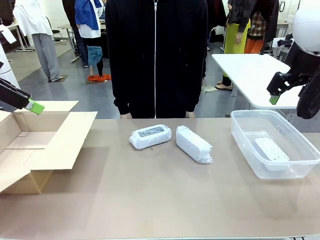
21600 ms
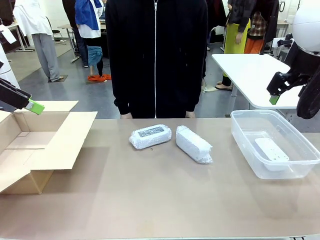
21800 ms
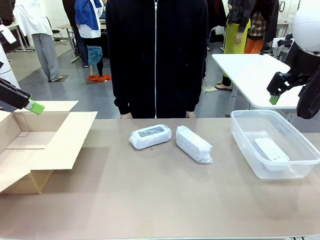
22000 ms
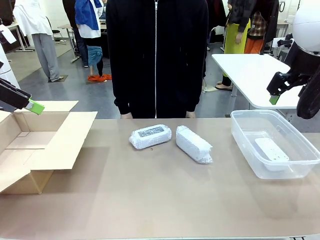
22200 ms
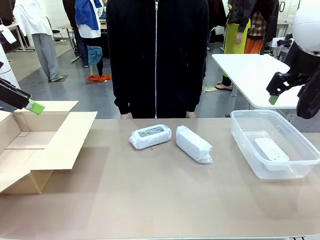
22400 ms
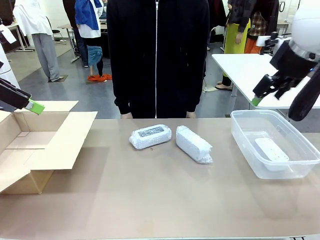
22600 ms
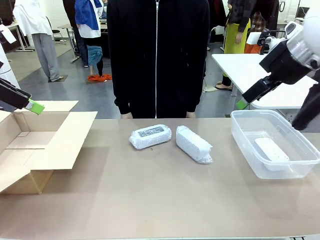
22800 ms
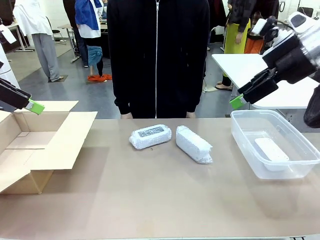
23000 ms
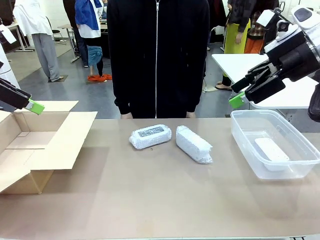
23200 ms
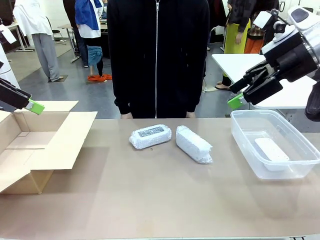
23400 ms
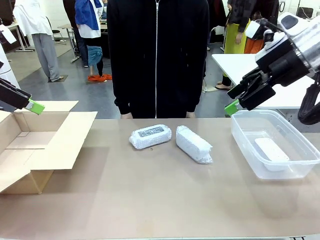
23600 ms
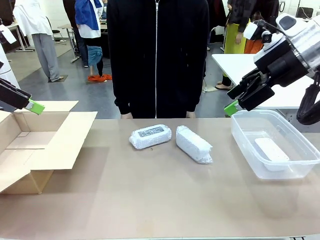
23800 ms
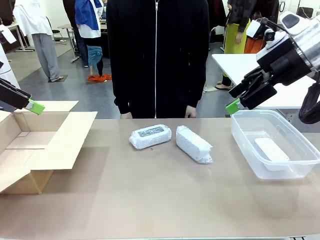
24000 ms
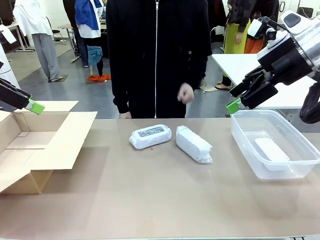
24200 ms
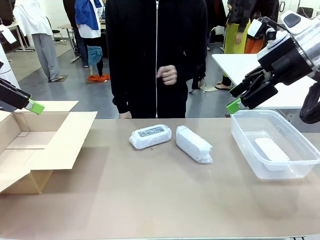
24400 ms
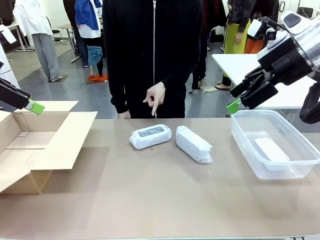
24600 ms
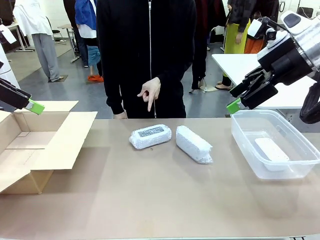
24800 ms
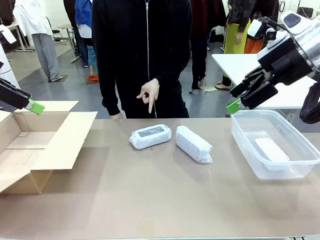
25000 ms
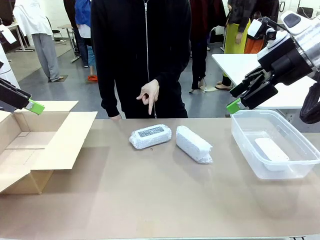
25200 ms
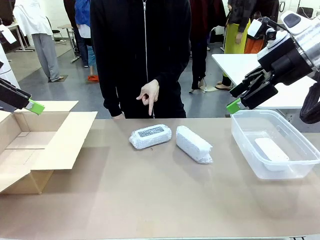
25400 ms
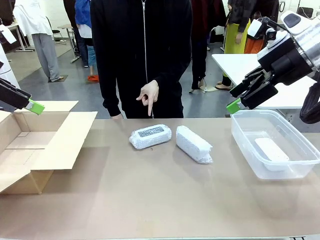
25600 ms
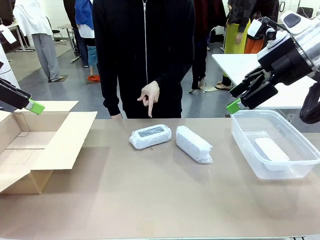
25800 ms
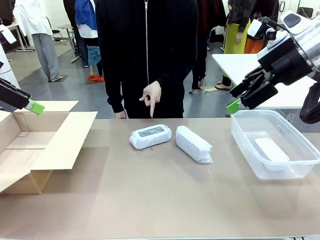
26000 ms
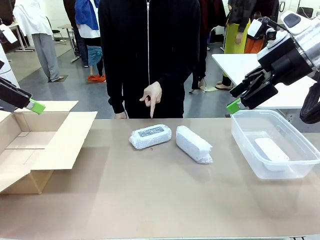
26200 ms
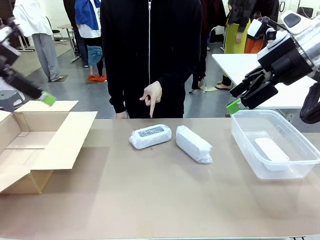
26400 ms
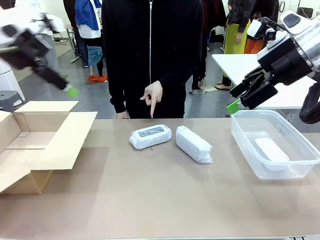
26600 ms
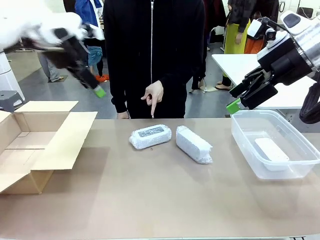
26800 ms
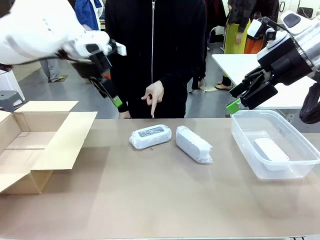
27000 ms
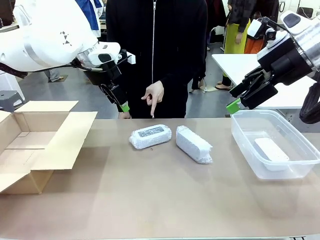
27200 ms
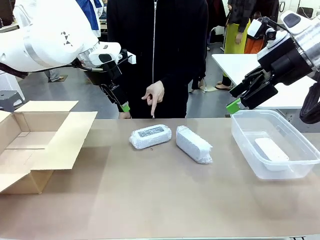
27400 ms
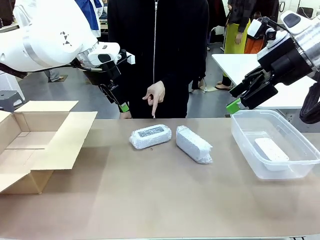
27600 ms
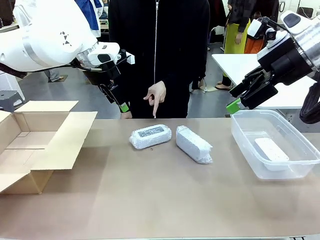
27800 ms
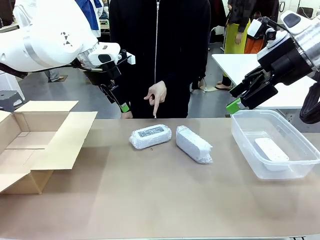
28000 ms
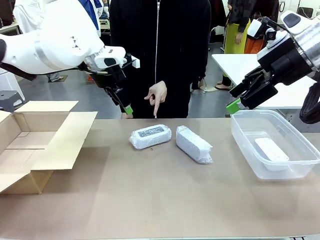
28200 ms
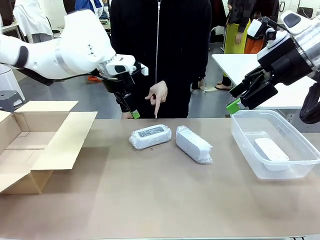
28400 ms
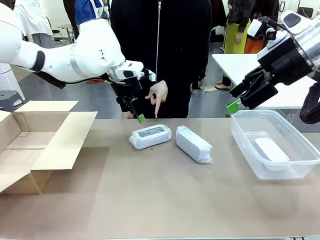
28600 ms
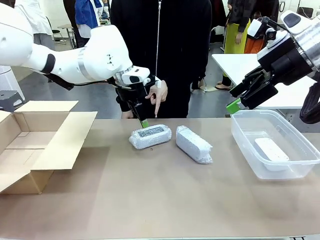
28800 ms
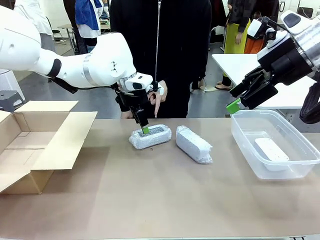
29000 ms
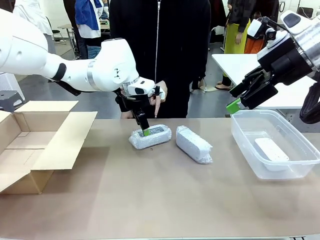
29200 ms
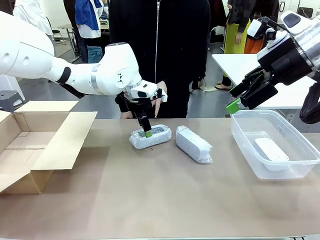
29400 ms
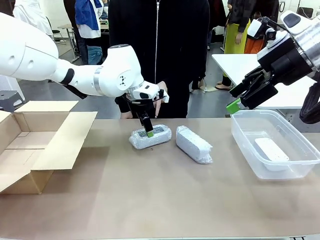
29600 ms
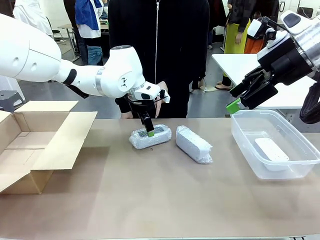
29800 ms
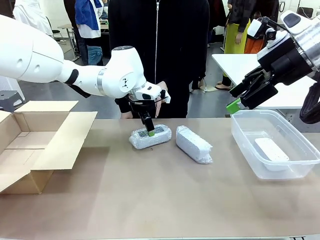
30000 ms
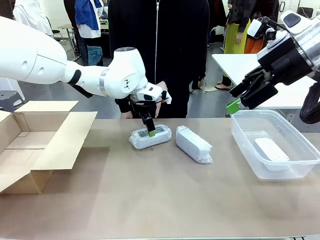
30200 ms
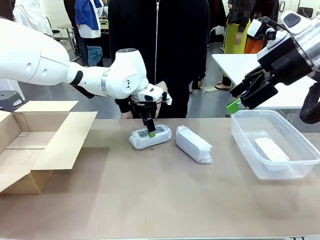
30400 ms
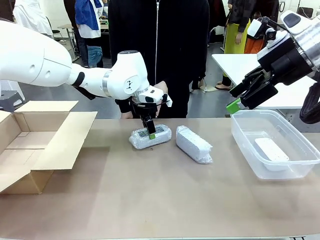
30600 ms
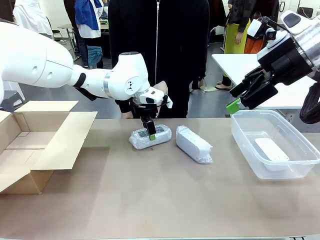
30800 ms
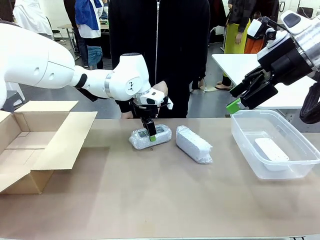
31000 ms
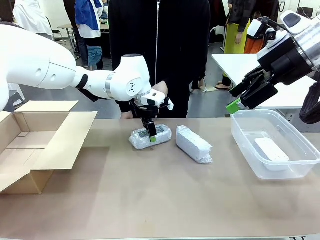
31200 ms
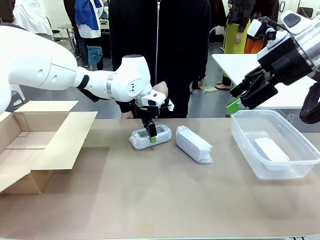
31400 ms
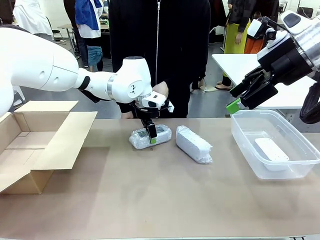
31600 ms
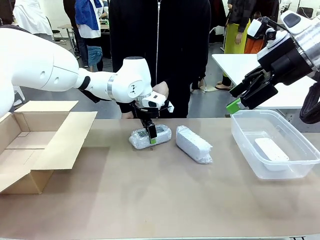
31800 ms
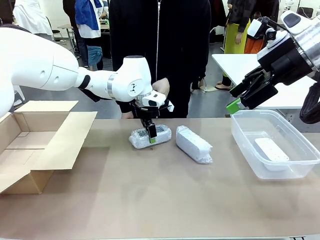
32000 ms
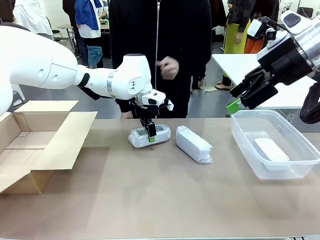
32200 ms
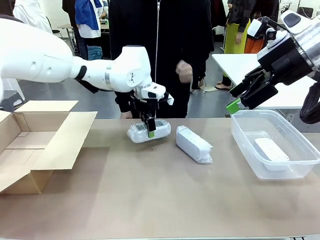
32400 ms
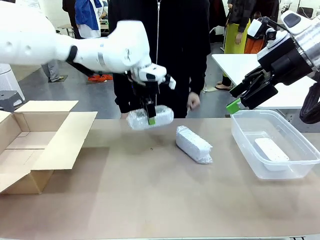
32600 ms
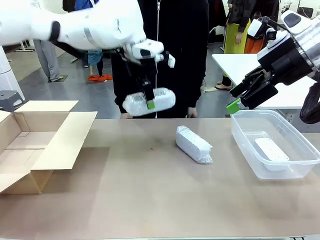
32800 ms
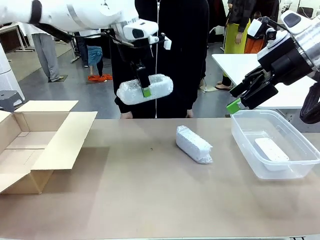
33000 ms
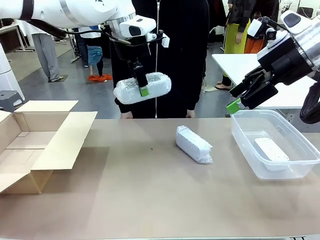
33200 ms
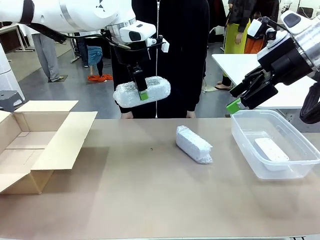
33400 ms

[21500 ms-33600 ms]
Task: Separate and place wrapped and unwrapped clocks.
Robot: Pick up the Digital clock indicated by the person.

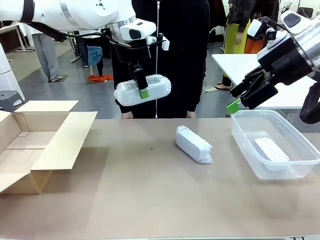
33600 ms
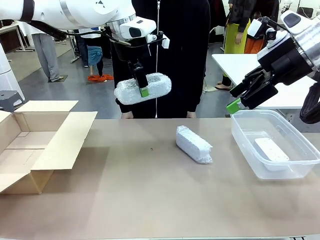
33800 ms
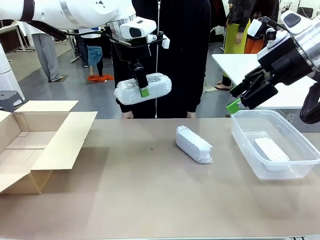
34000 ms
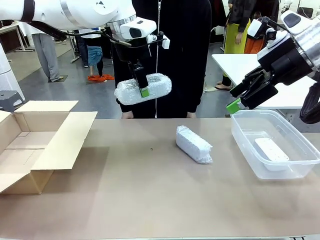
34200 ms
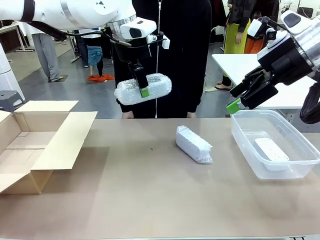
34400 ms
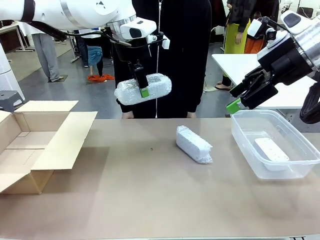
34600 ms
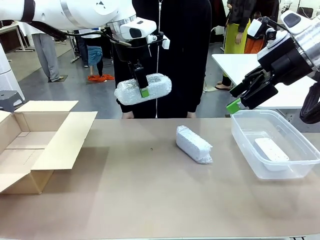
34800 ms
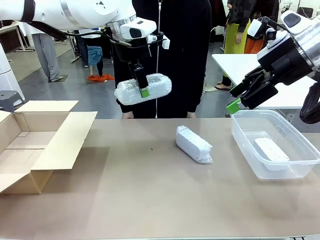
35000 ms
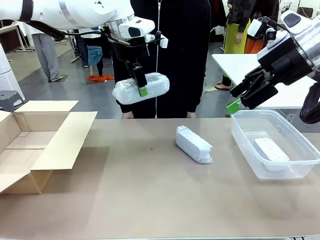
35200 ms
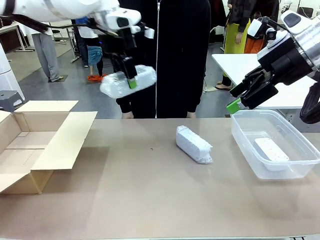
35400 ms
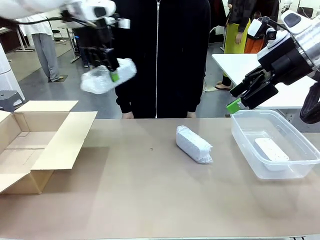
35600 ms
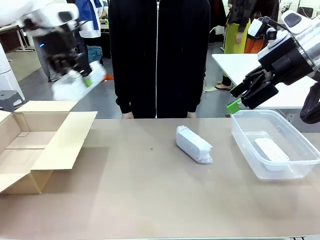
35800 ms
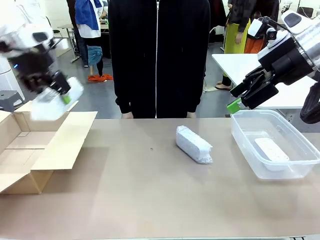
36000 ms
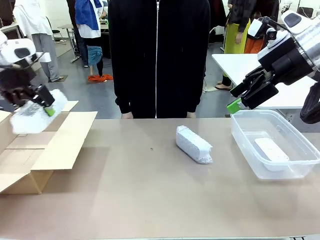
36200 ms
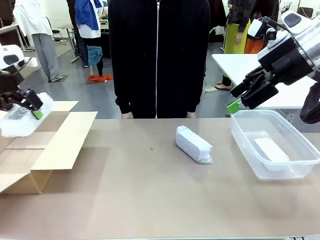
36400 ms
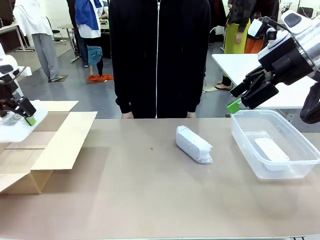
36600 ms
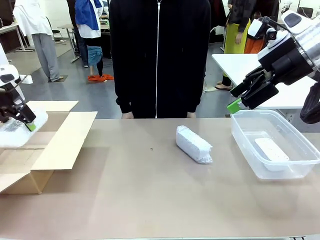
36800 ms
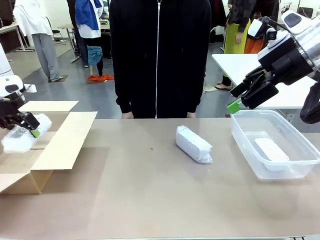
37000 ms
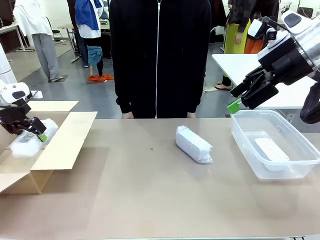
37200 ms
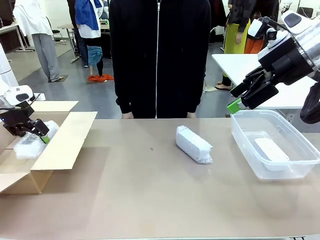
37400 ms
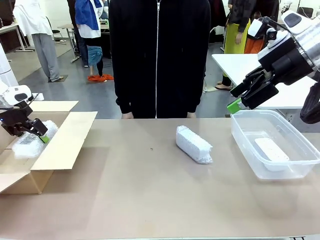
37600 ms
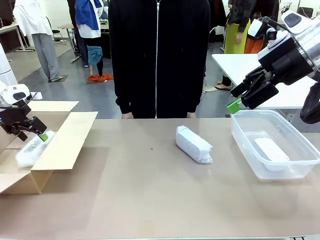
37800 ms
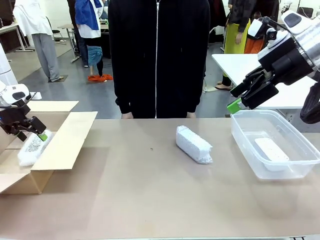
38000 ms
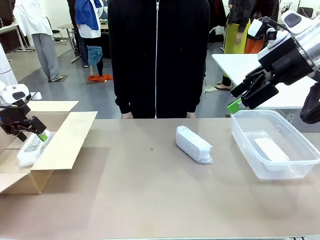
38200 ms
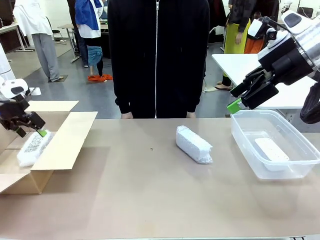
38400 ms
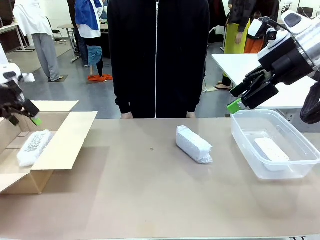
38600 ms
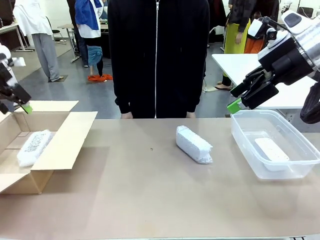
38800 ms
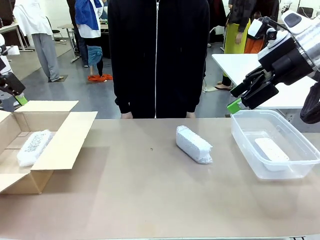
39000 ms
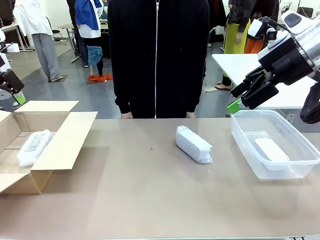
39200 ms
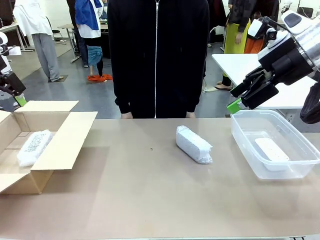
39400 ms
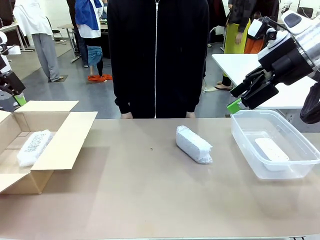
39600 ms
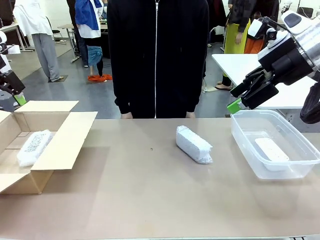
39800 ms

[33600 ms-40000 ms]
Robot: If the picked Digital clock is wrapped, place it in the Package Box ; if not, place it in the Organizing box.

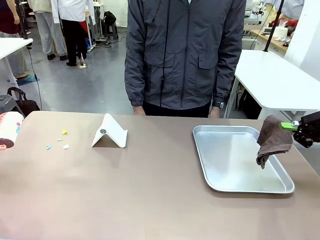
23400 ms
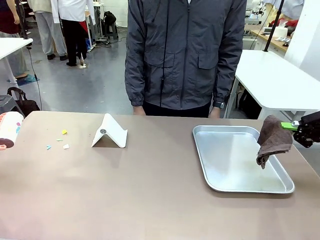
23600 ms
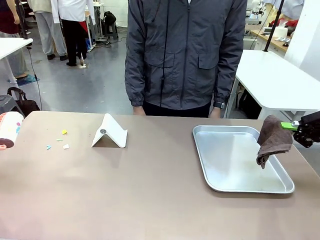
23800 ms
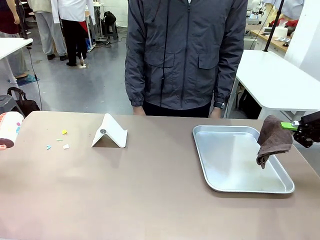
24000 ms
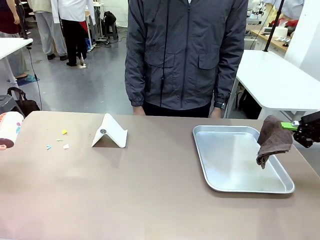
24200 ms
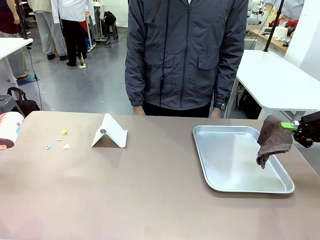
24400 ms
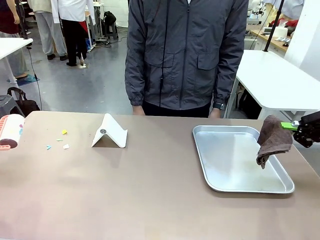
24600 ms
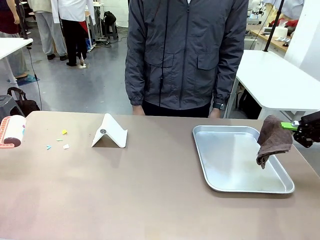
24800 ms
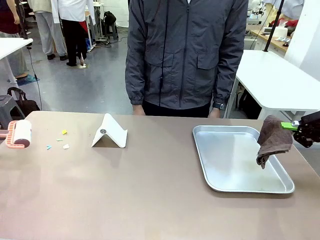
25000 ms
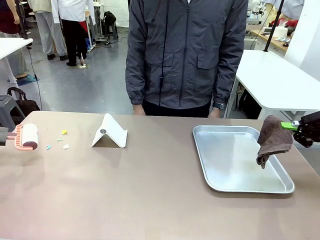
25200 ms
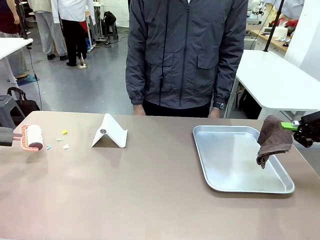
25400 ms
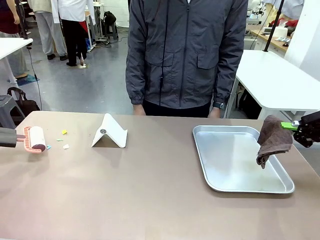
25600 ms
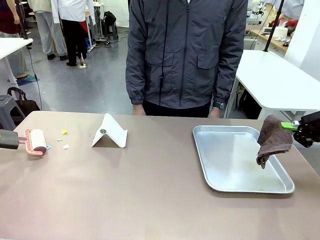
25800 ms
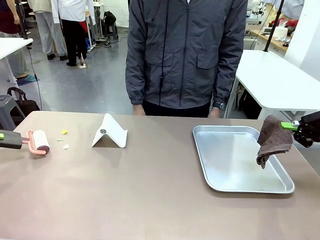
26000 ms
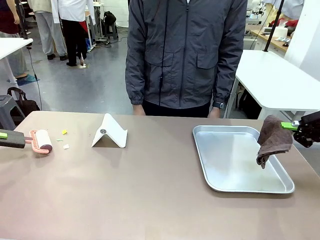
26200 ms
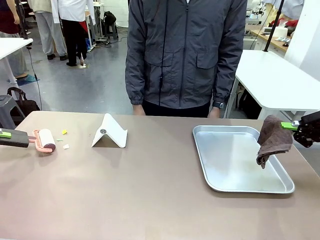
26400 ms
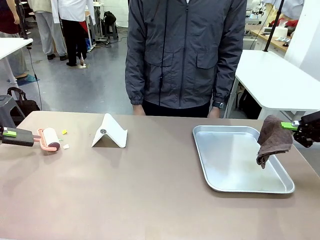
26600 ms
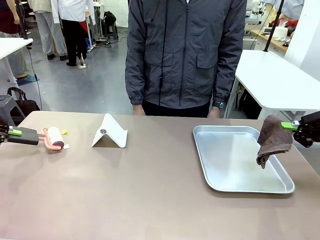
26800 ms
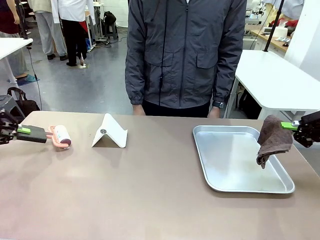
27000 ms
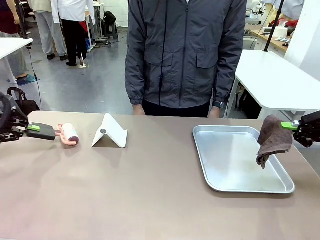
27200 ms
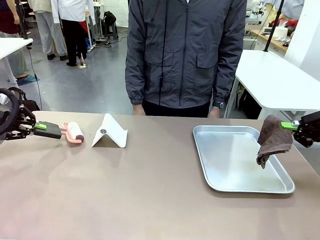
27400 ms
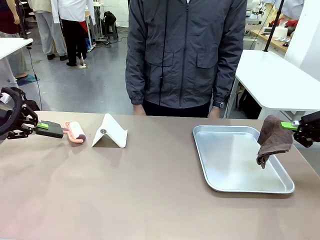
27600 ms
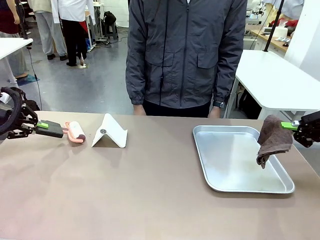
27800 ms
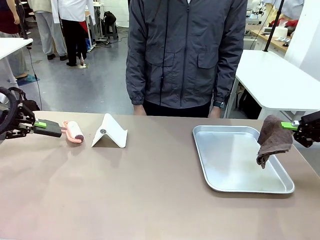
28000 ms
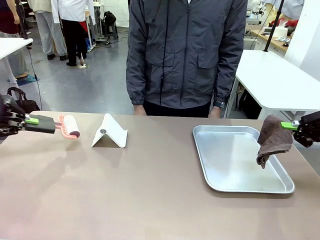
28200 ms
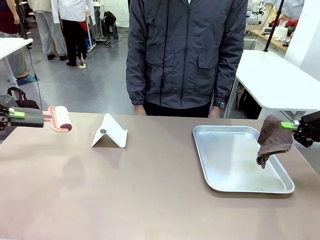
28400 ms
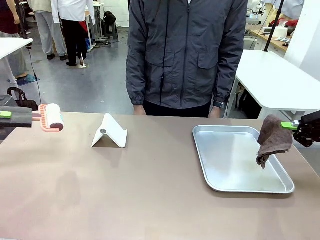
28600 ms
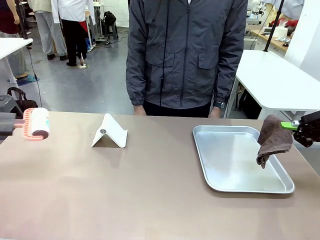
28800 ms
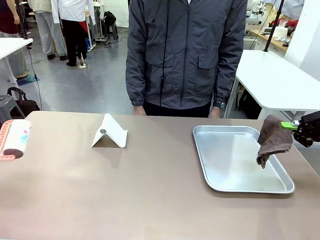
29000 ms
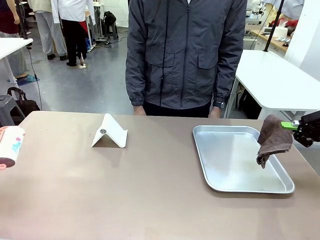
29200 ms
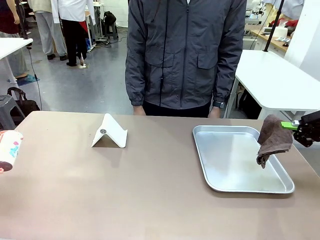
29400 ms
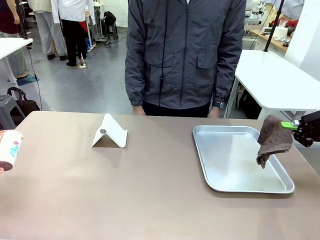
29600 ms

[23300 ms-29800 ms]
Task: Clean the surface of the table.
Robot: Clean the area not pointed to by the person.
